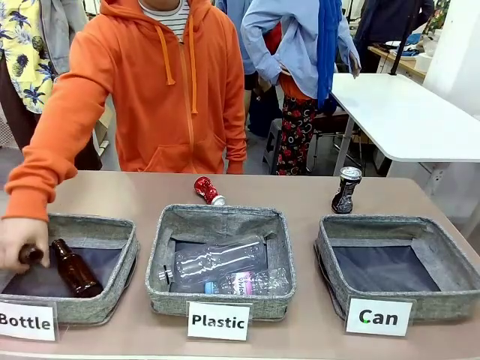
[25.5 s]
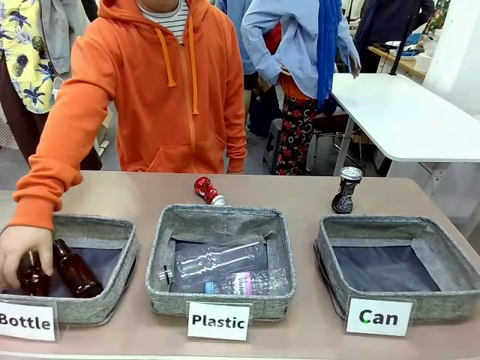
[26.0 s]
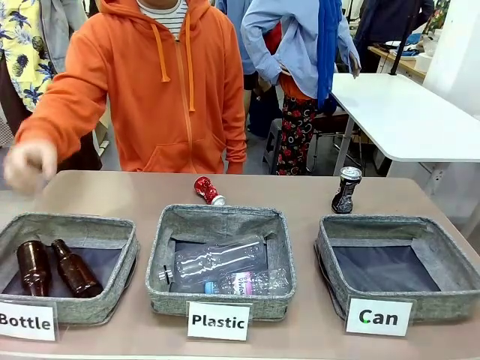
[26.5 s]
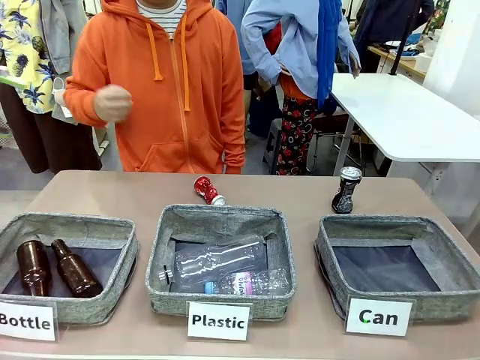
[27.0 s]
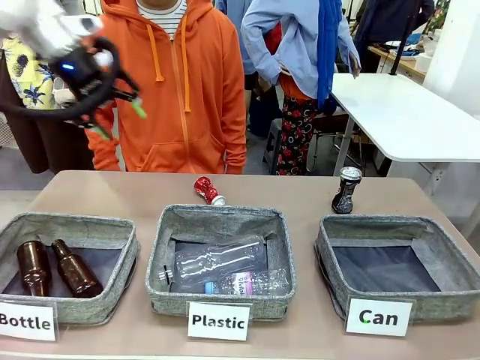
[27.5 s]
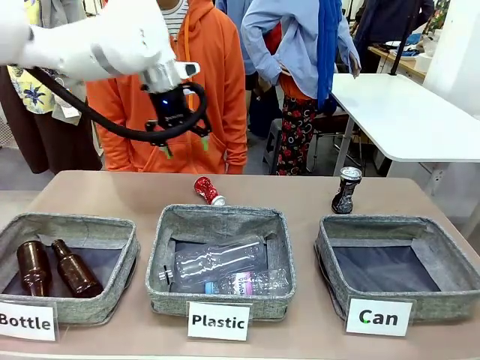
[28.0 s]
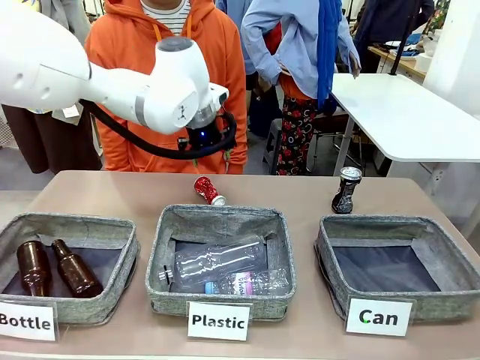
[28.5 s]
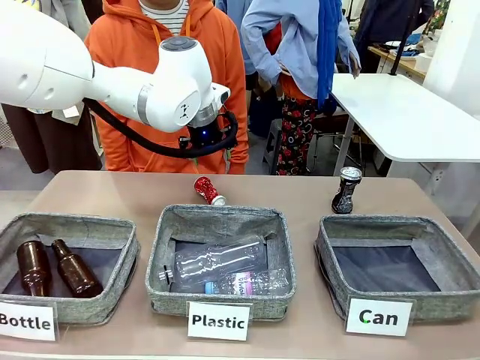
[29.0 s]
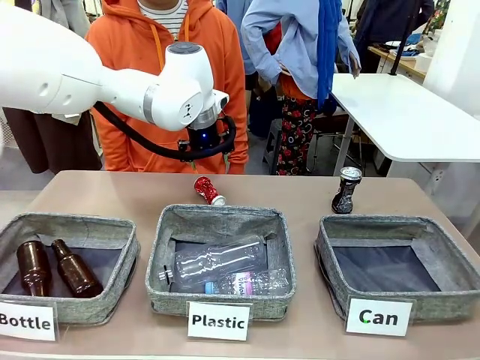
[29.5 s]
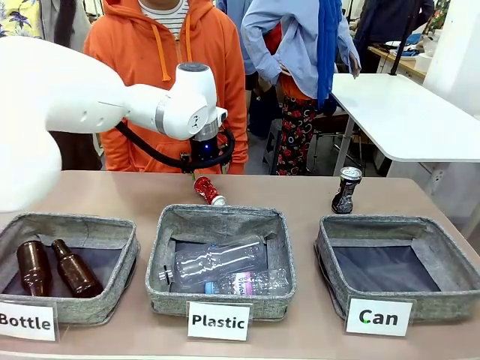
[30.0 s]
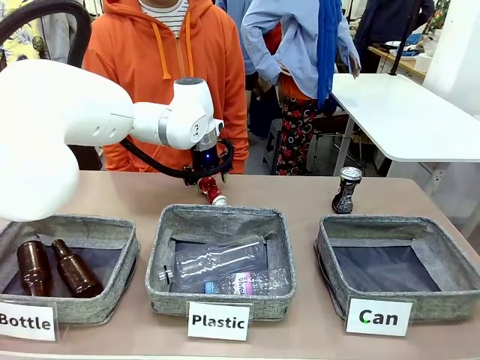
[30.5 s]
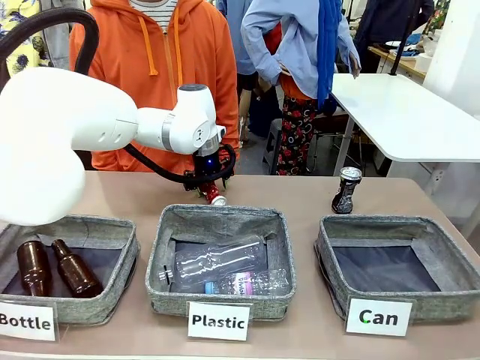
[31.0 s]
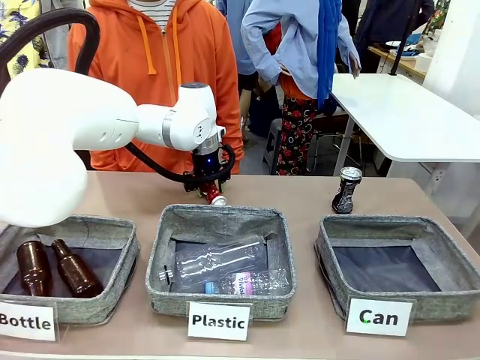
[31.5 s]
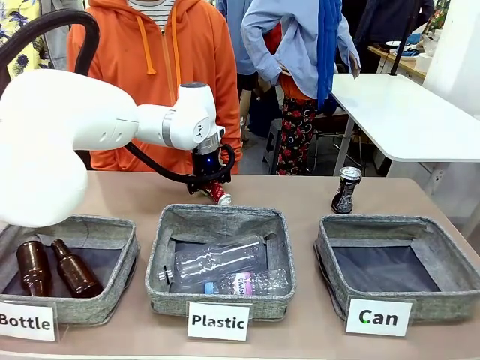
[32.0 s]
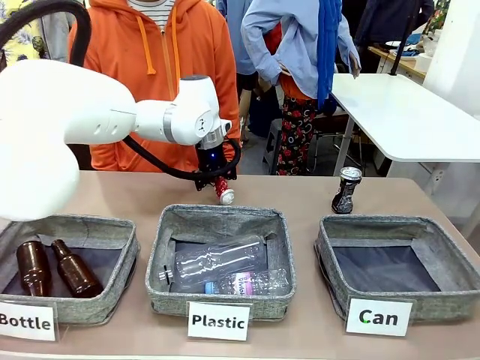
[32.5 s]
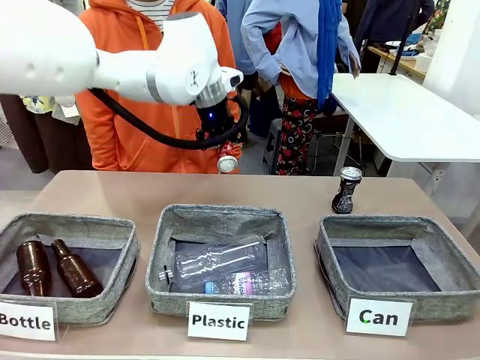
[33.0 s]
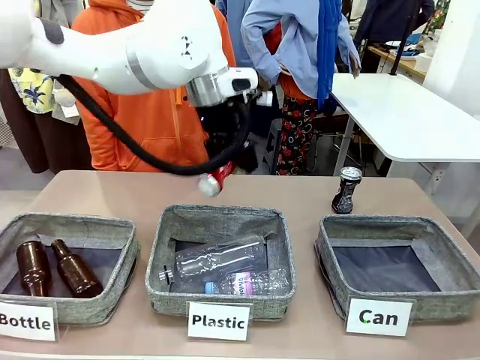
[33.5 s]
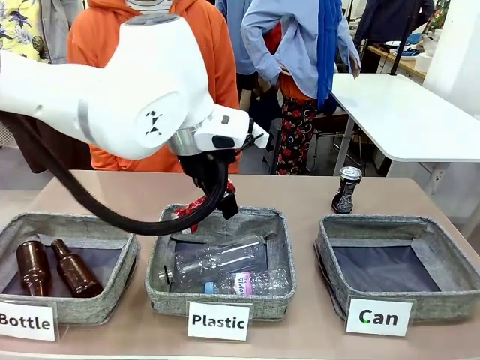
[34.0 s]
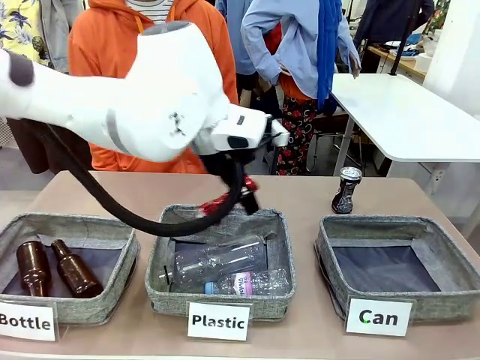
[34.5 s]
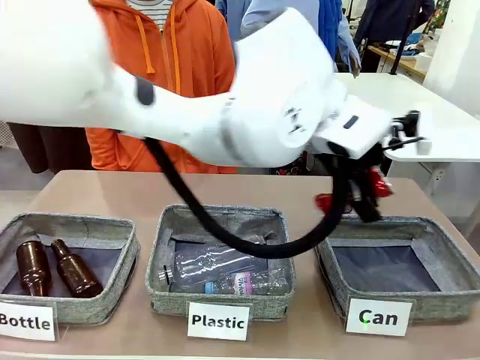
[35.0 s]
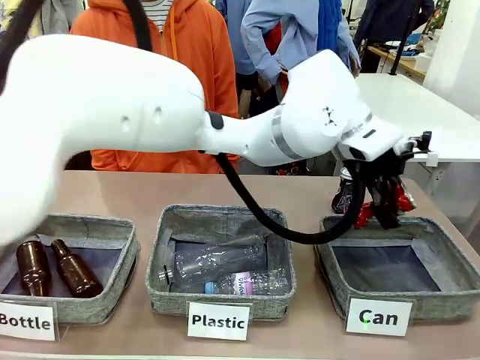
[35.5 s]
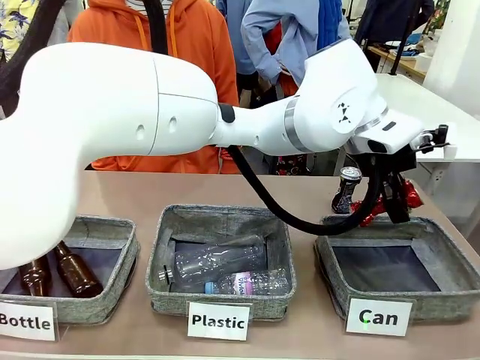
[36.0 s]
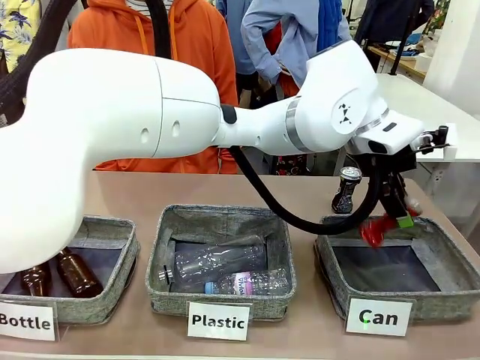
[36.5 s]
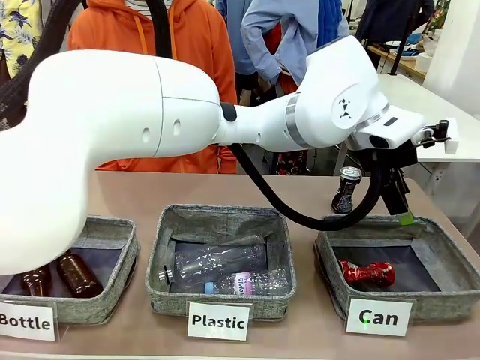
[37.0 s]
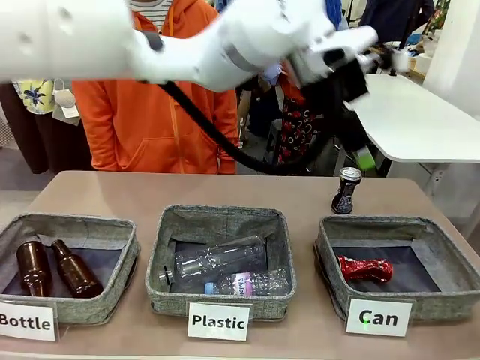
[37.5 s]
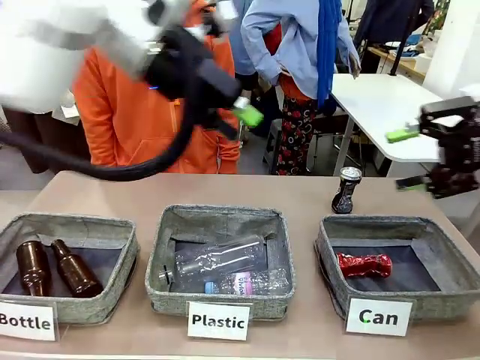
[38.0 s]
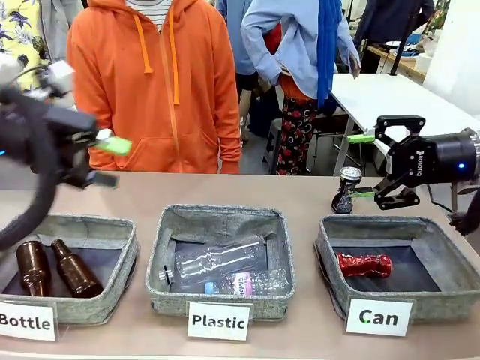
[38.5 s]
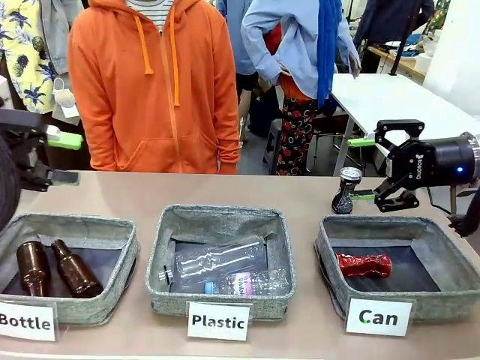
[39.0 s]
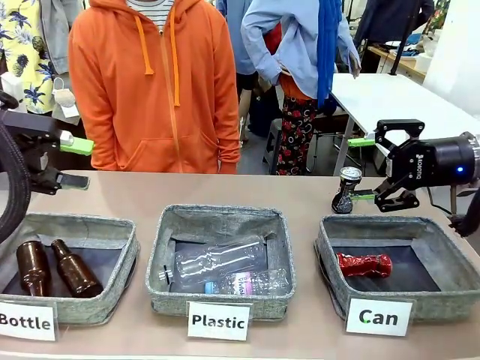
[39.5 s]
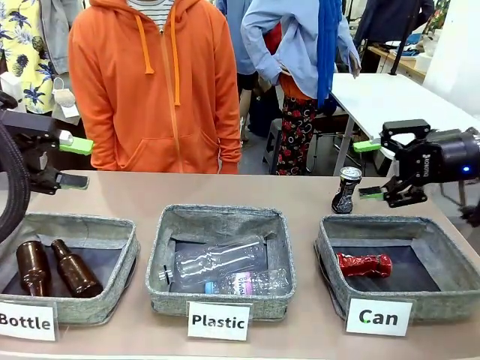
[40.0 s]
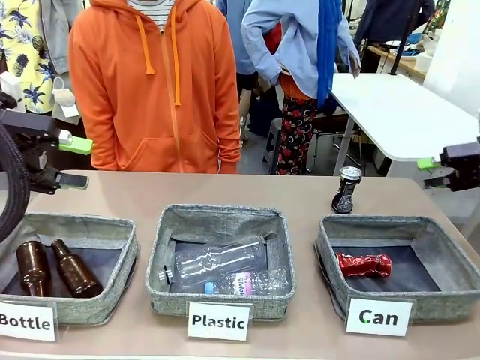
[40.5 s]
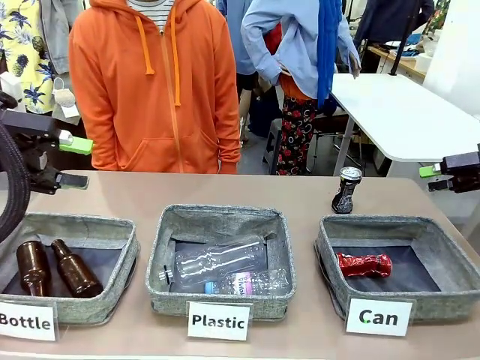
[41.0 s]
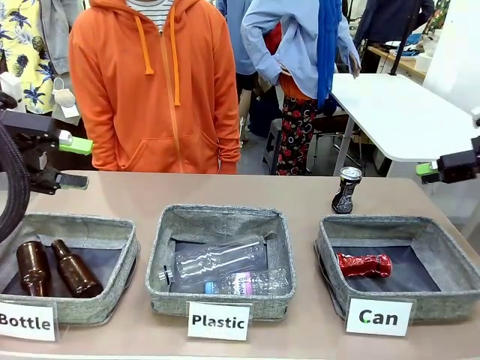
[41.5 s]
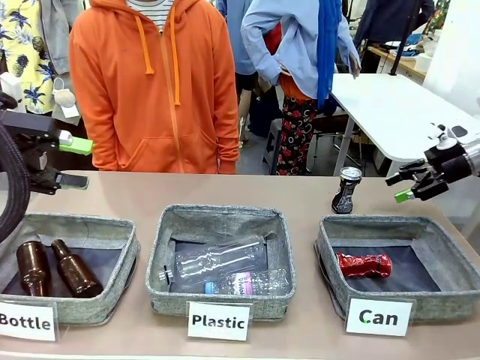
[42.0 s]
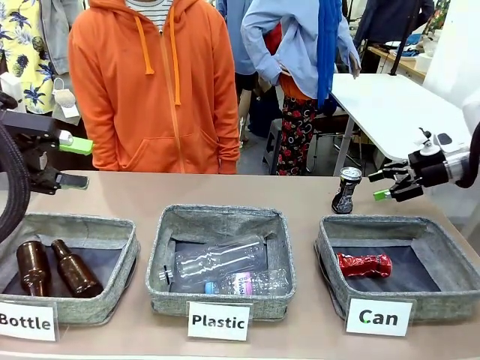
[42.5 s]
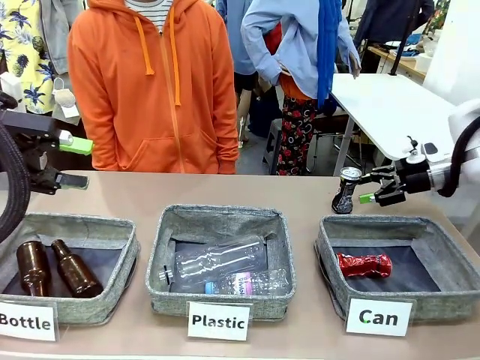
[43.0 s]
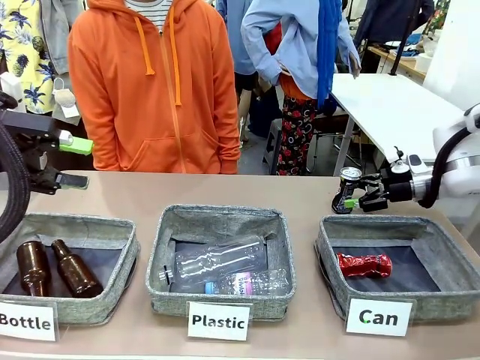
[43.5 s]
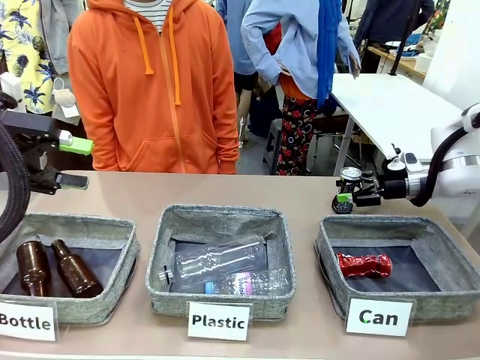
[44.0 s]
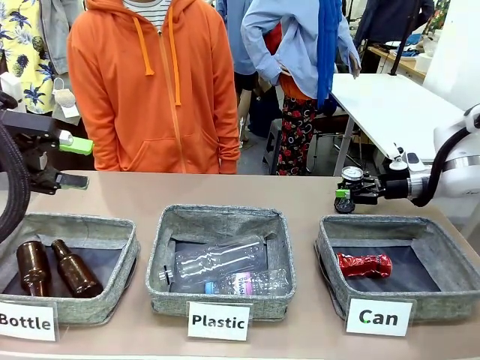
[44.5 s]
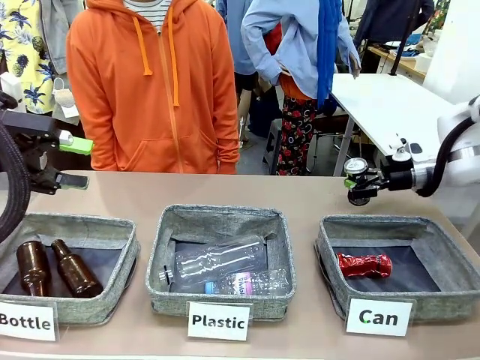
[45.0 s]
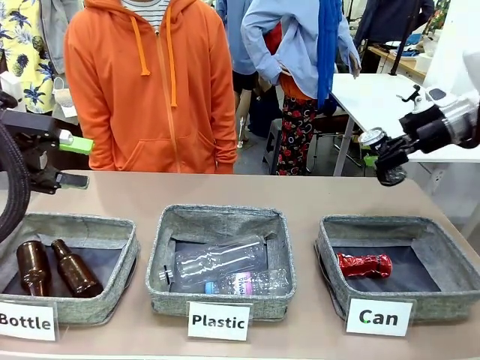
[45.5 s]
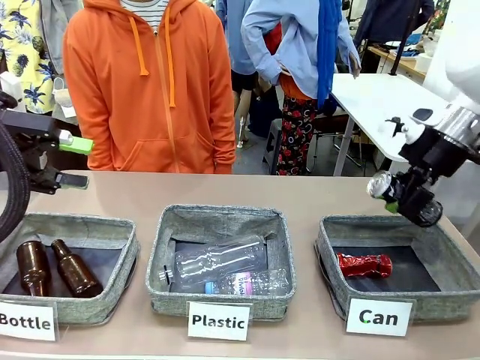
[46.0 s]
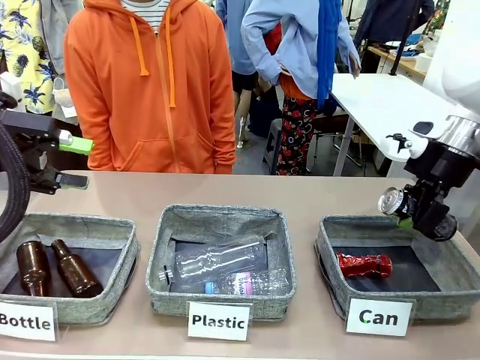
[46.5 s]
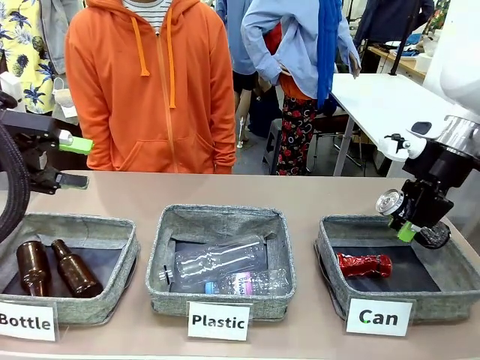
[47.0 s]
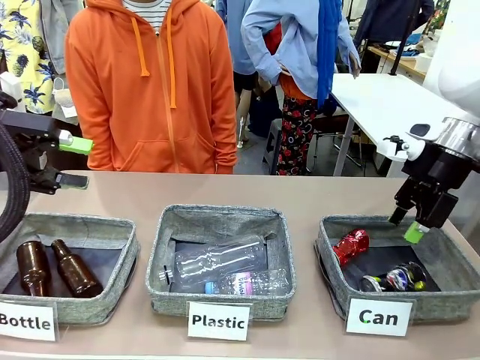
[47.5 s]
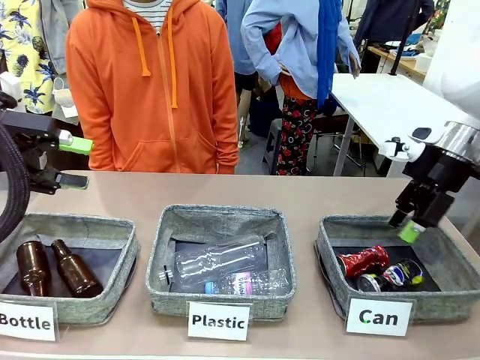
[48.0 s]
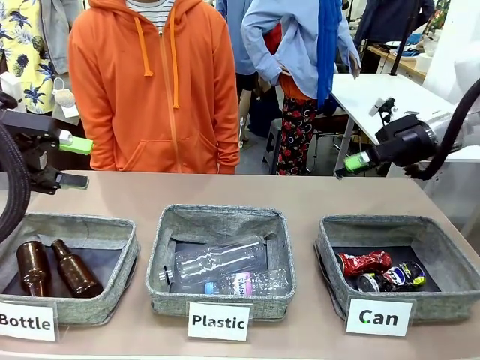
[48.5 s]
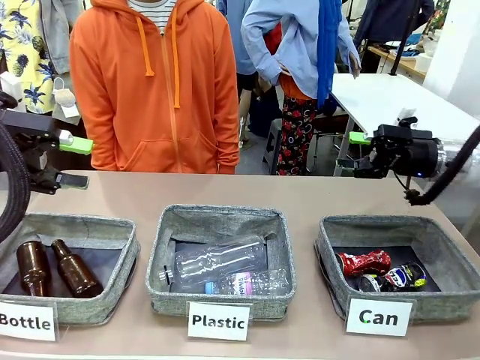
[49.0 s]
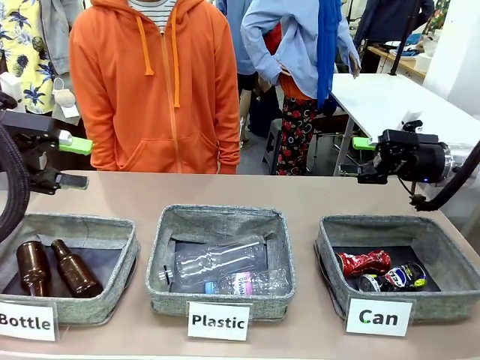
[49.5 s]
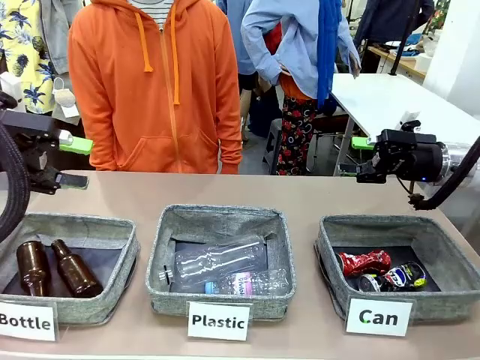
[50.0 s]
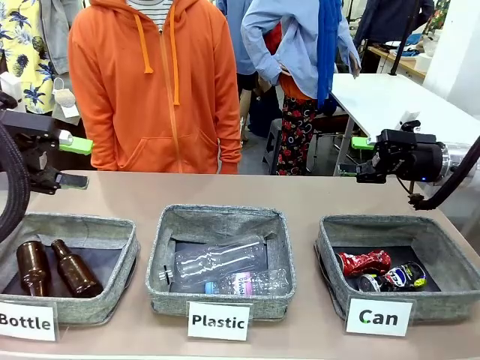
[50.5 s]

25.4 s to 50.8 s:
Task: Sort the can waste into the basket.
Robot: Pick up the can waste from the table and place it in the right Fabric basket.
